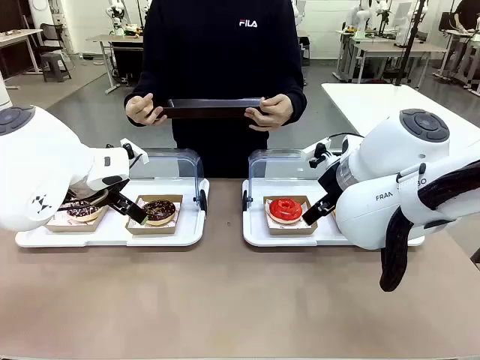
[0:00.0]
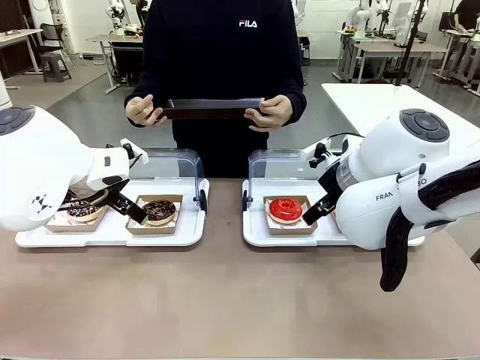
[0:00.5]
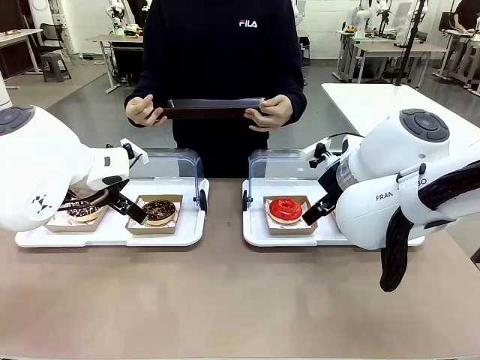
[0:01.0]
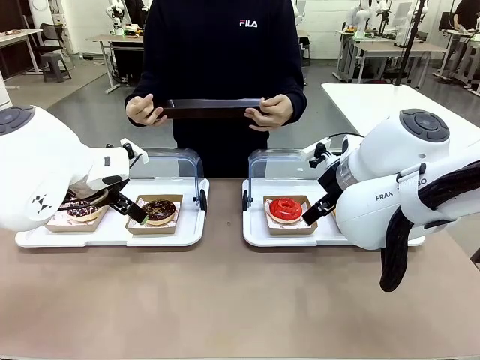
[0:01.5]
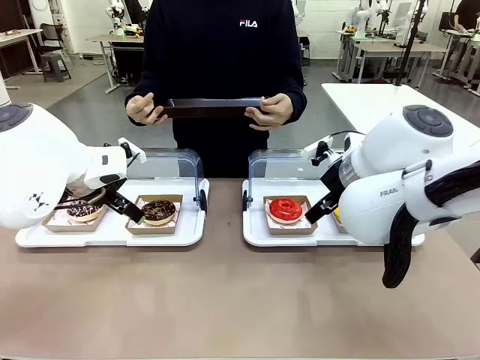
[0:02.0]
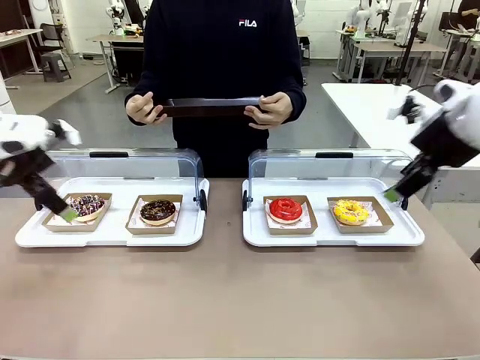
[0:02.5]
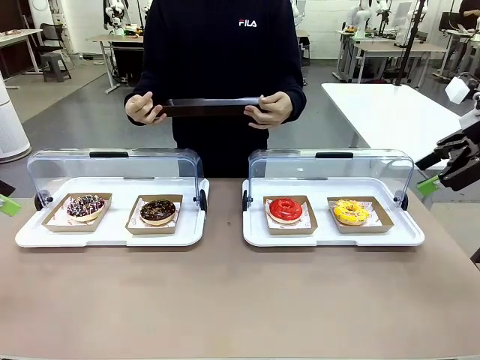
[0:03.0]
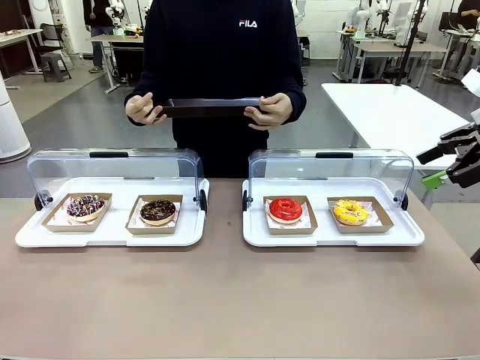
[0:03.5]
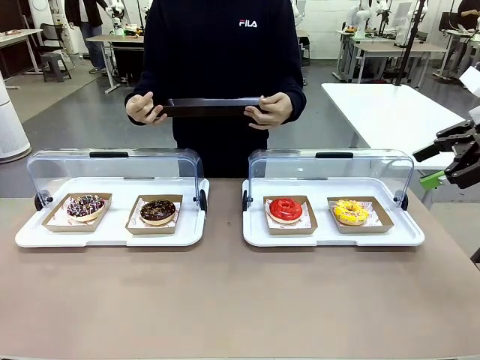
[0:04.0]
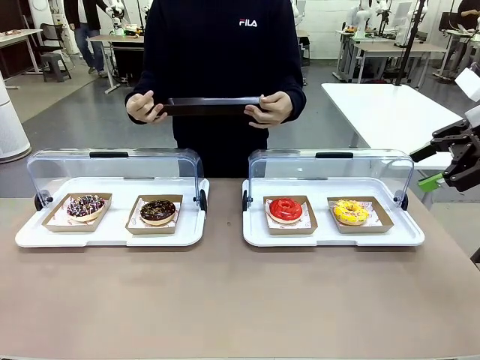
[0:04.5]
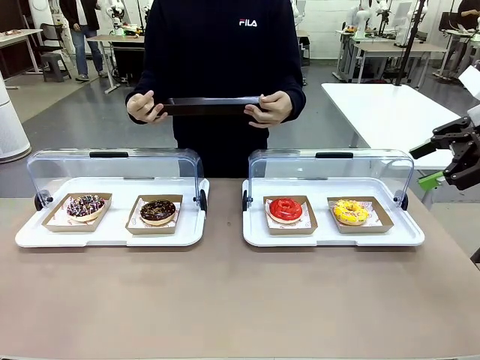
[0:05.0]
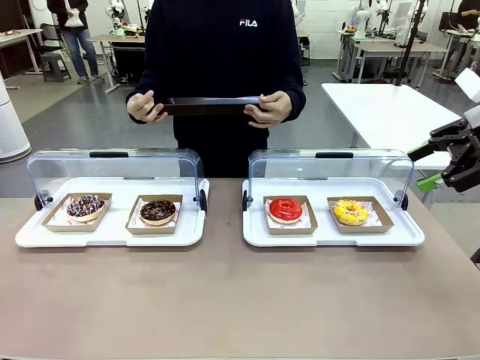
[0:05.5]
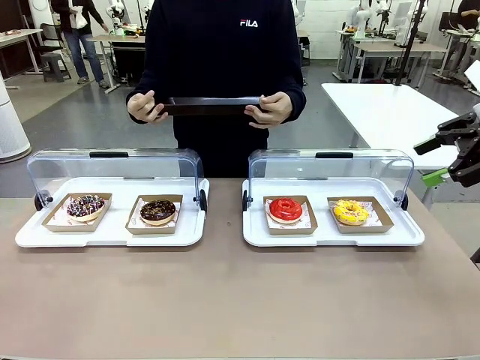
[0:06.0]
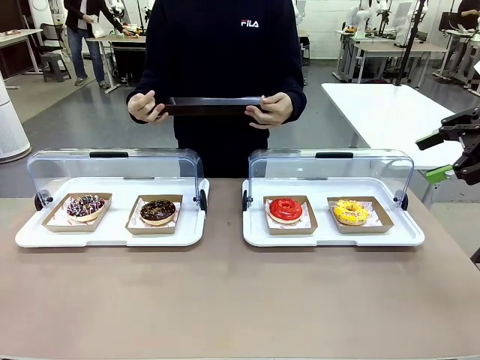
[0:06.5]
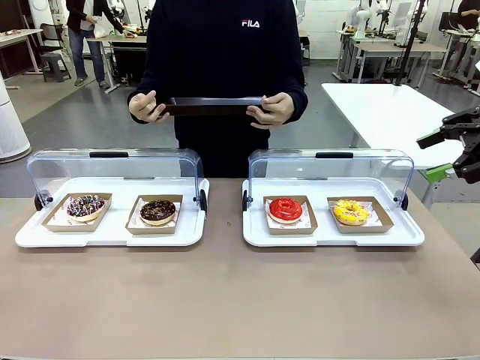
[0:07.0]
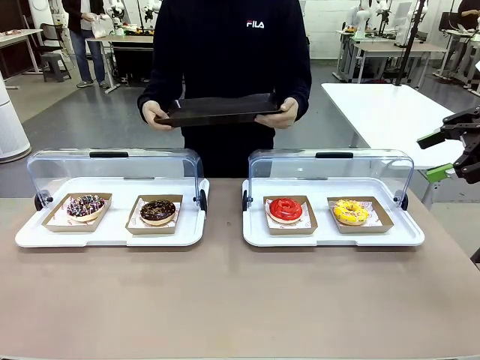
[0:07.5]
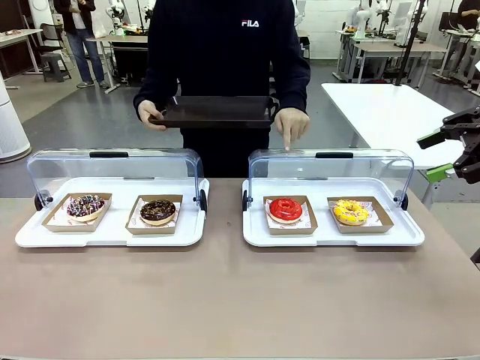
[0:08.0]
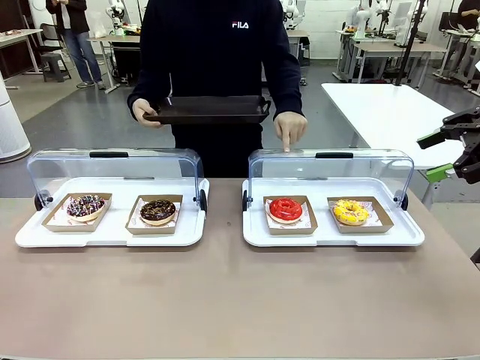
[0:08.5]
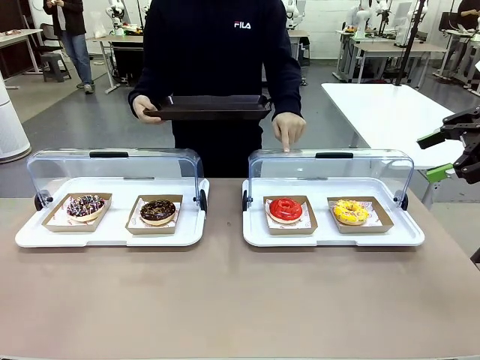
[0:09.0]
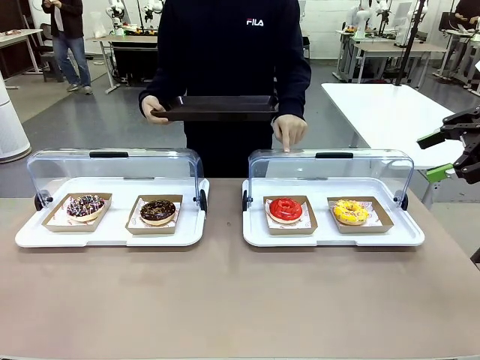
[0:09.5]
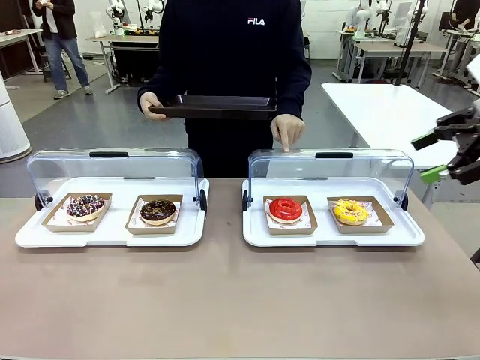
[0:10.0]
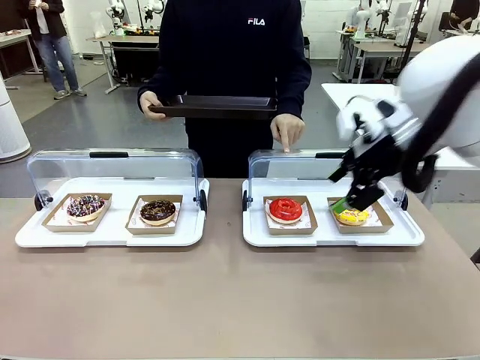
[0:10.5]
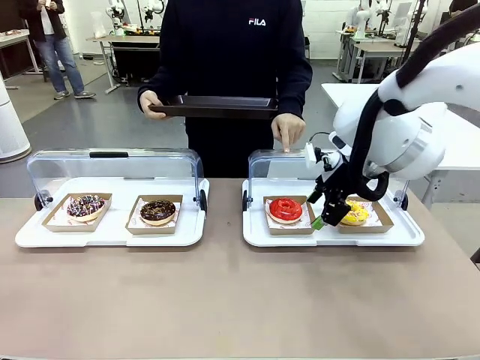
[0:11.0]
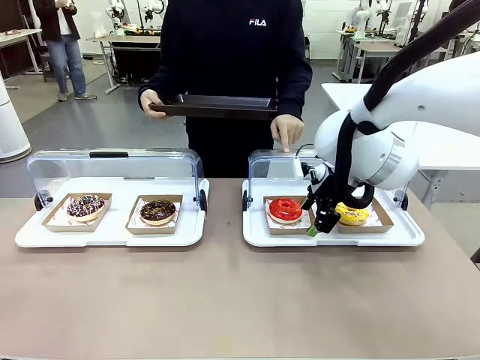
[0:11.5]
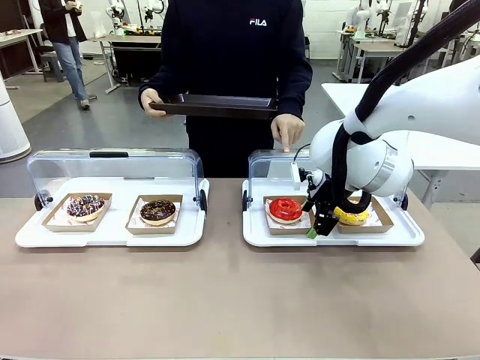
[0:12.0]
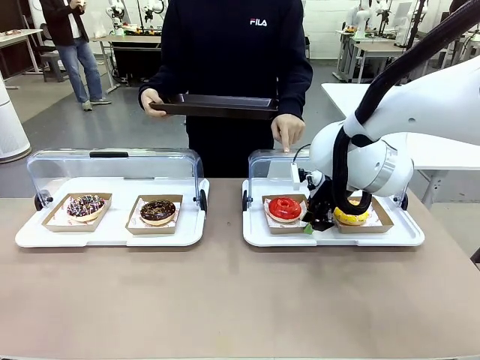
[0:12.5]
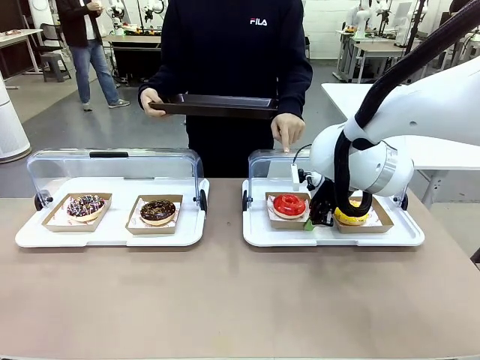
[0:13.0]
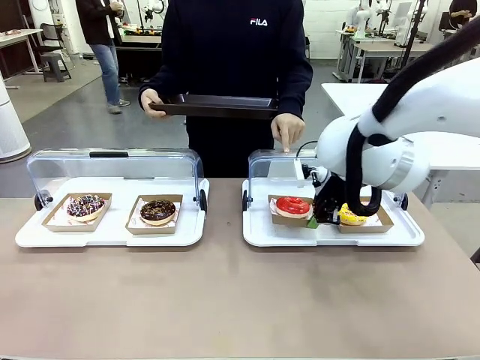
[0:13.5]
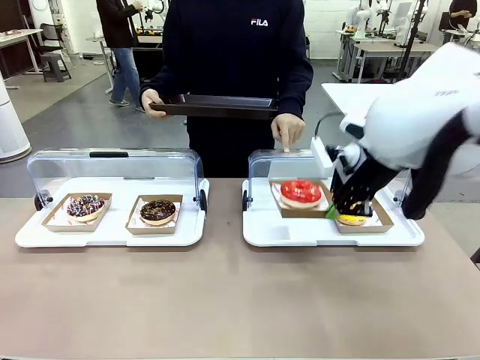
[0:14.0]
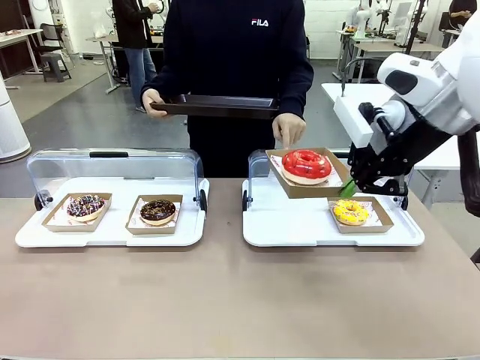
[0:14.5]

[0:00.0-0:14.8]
Task: Provide the desired donut to the person.
Robot: Pick up and lift the Paper togo box containing the Donut pointed at by the person.
Person: Point to one donut. Lift the tray onto the Roll-Top Bakery Case.

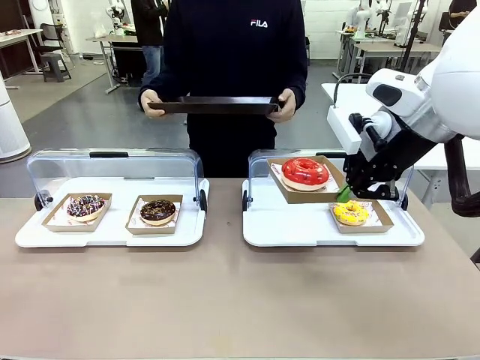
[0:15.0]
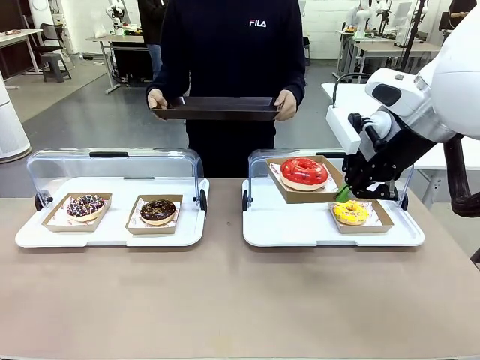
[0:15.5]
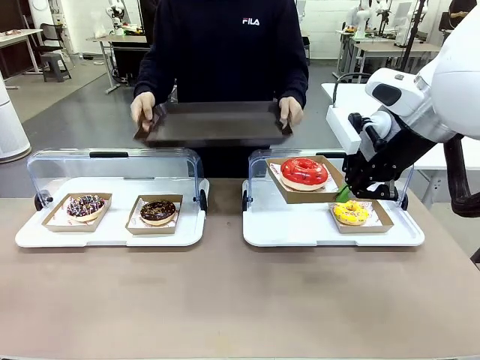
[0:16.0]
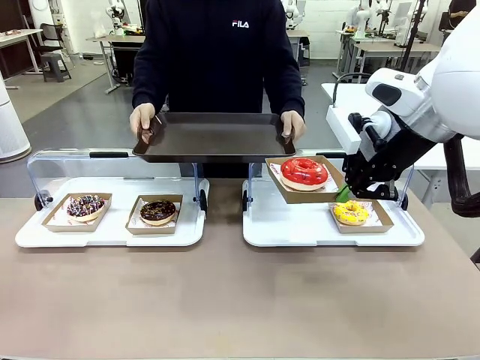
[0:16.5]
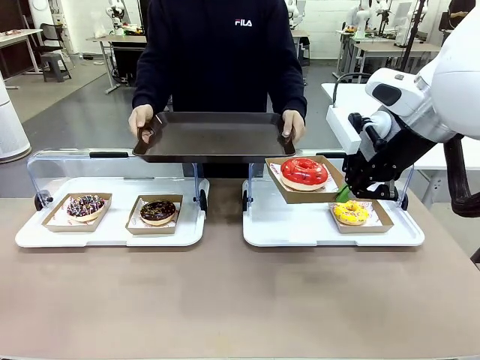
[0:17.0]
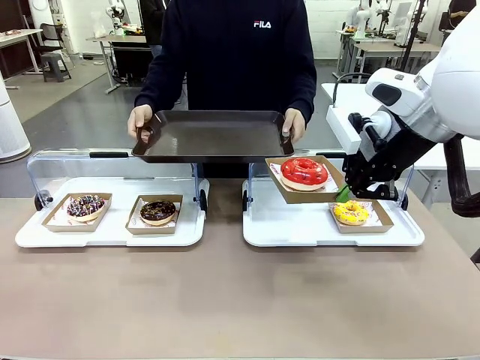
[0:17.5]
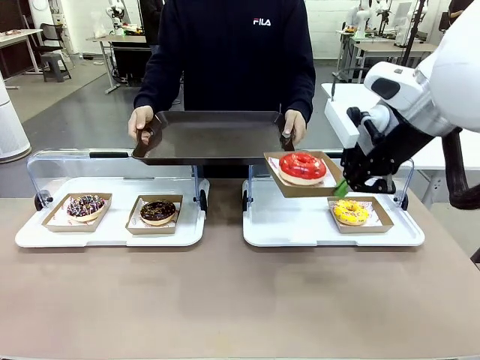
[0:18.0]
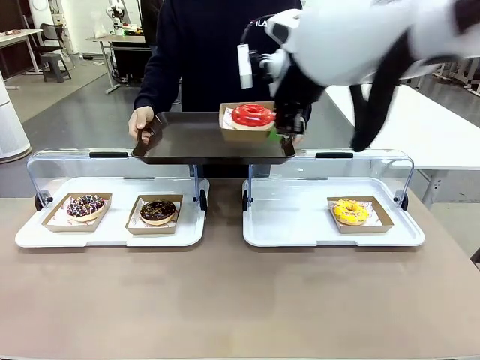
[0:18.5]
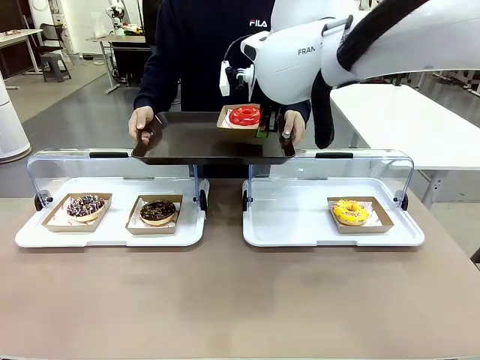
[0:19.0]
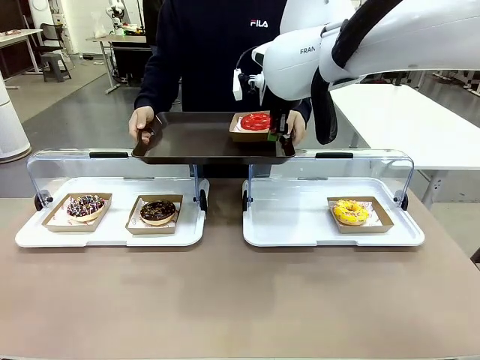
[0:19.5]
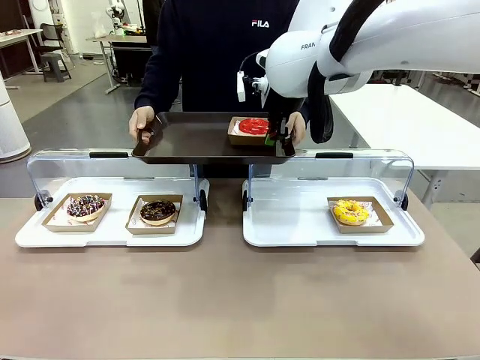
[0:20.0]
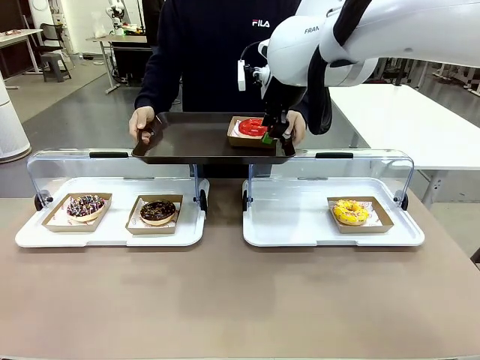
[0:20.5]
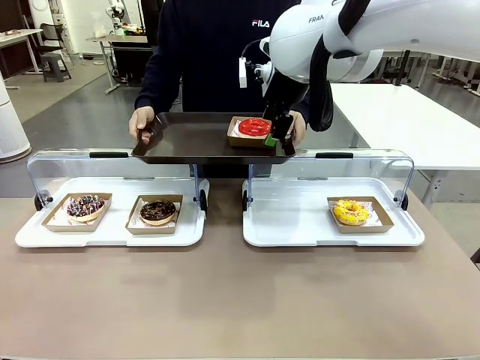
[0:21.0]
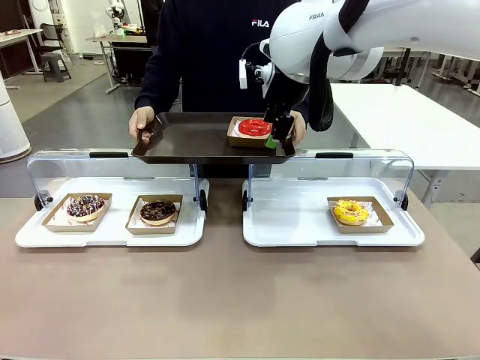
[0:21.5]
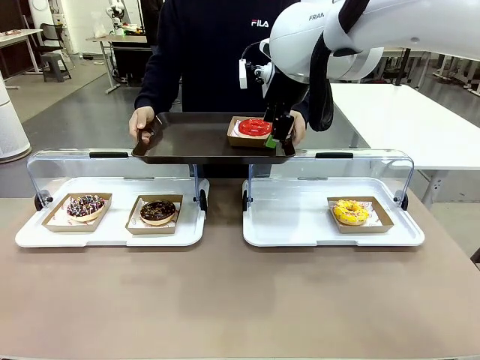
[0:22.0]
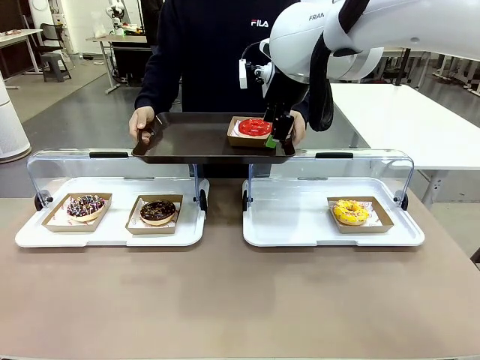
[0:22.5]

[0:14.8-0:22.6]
Robot: Place the picked Paper togo box onto the Handle tray extended by the person.
Person: Point to one donut.

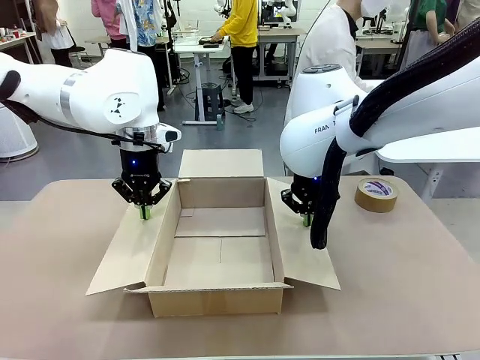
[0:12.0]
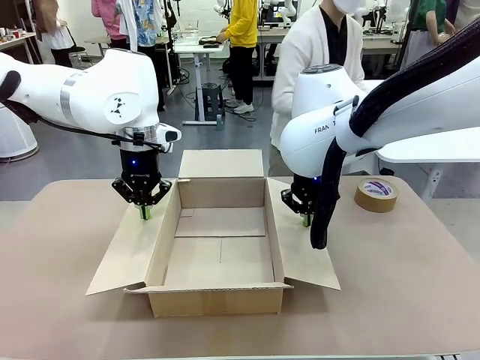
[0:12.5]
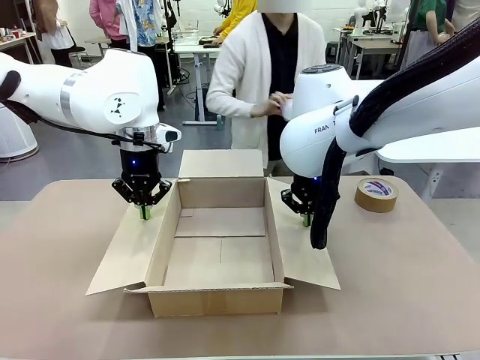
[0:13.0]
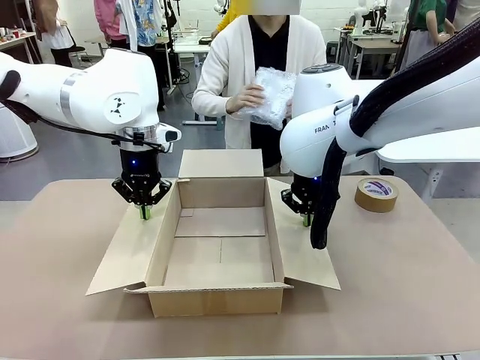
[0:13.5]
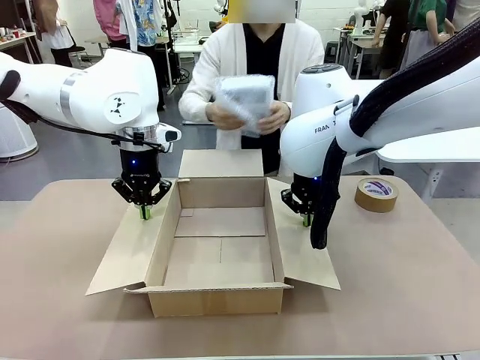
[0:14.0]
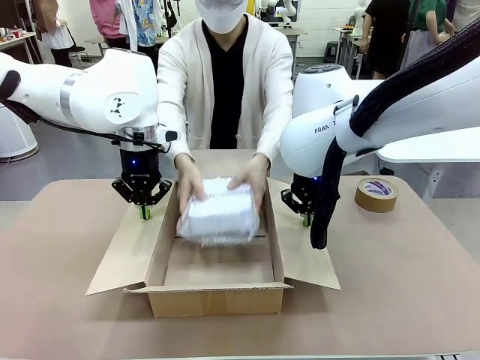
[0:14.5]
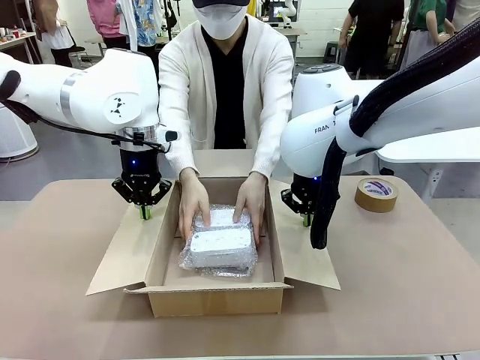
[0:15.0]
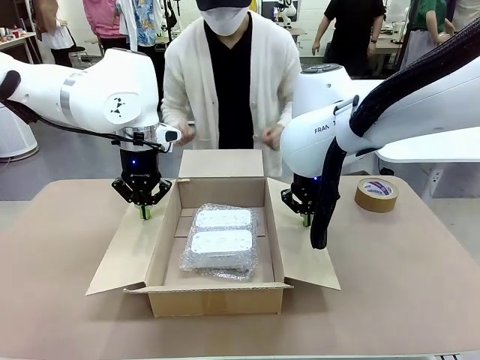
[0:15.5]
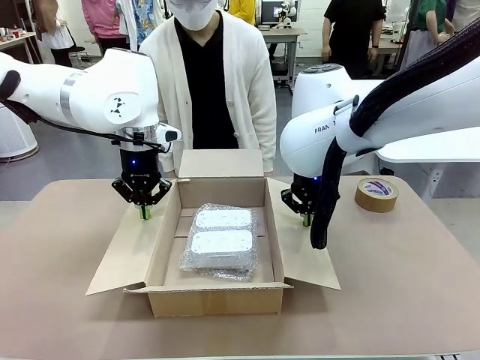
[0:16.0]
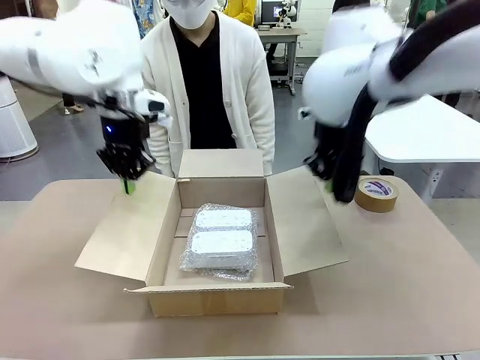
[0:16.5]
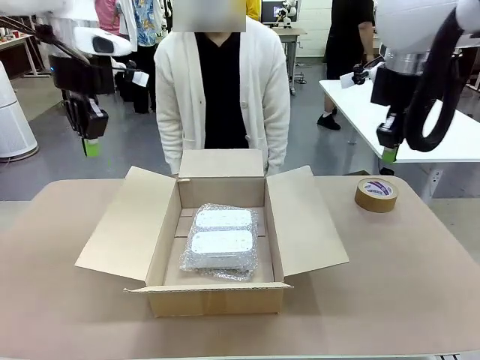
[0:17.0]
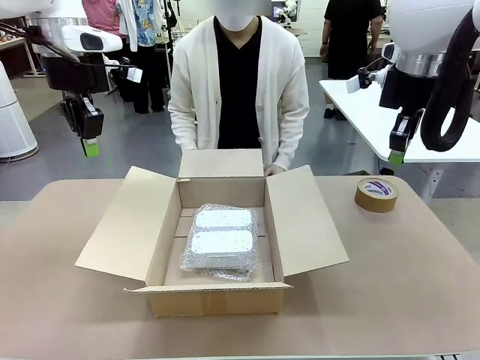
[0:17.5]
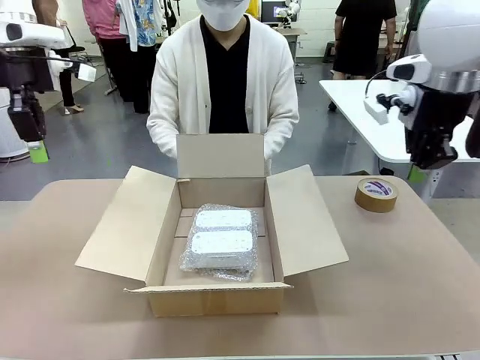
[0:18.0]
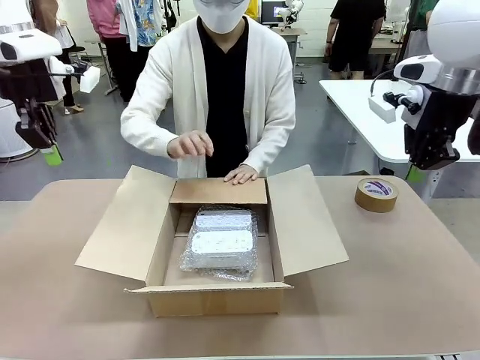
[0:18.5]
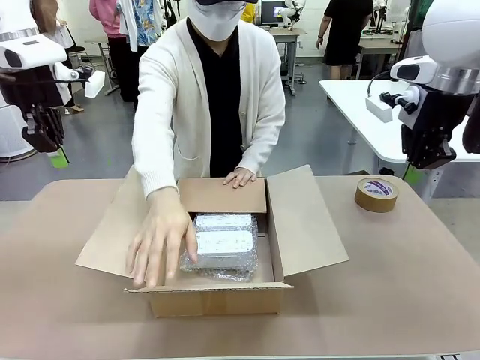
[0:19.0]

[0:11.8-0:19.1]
Task: Wrap the clocks to prevent damage.
Robot: Once the human has placed the objects inside and stepped back, release both hands from the side flaps of the Package Box.
Person: Place the wrapped Digital clocks inside the Package Box. Hold the top and bottom flaps of the Package Box closed with your left (or right) hand.
